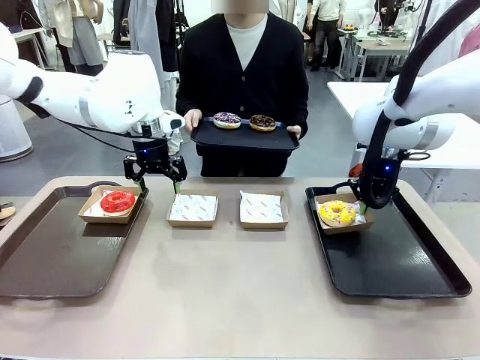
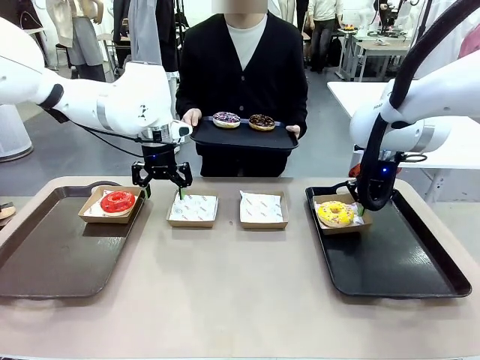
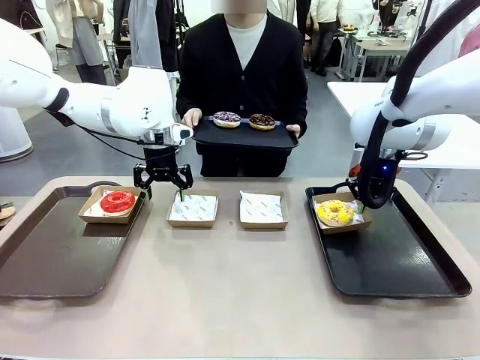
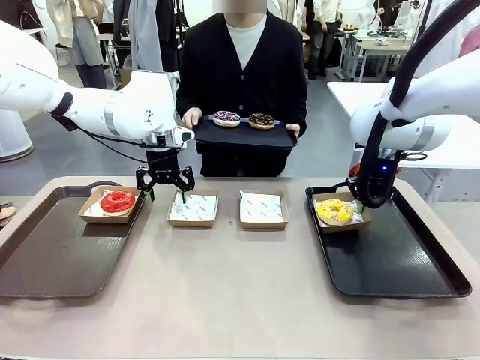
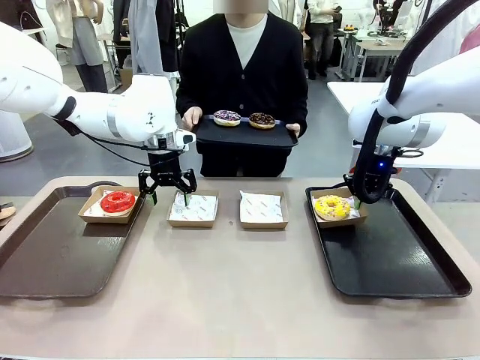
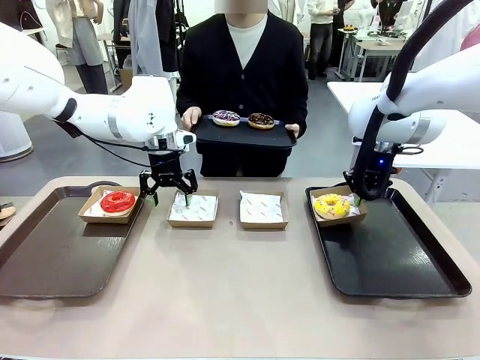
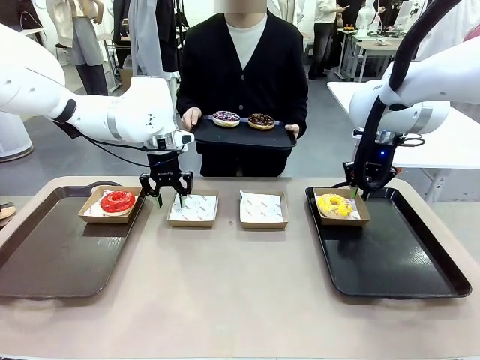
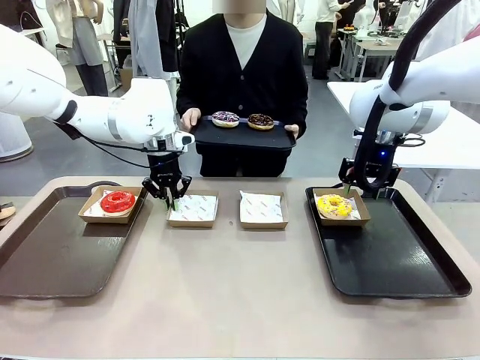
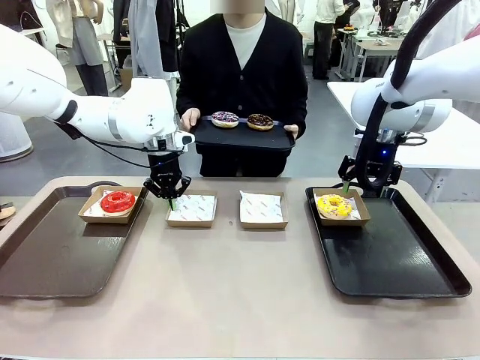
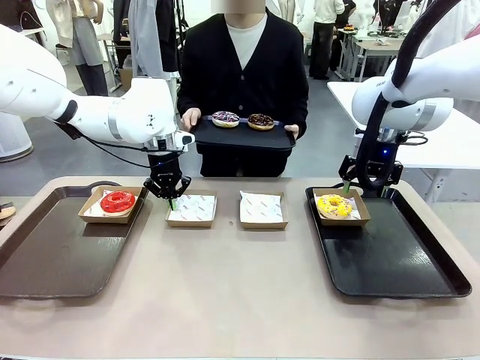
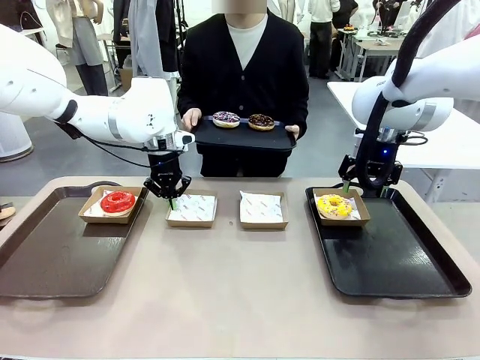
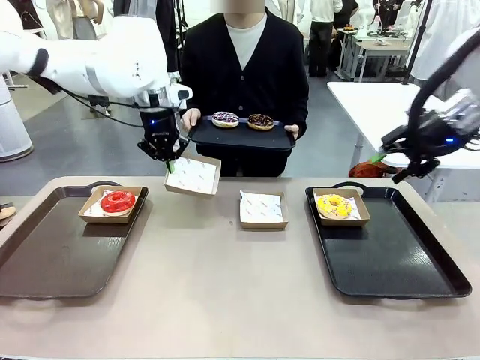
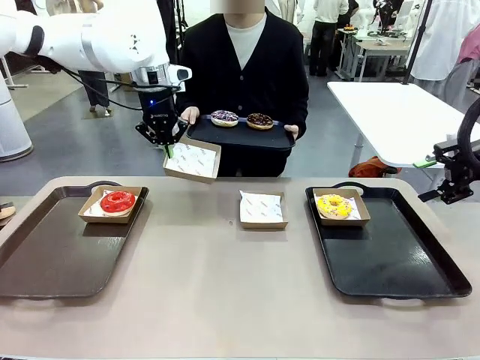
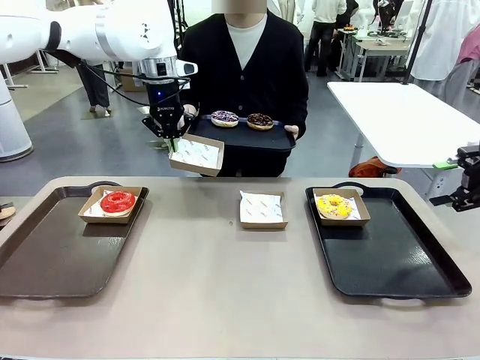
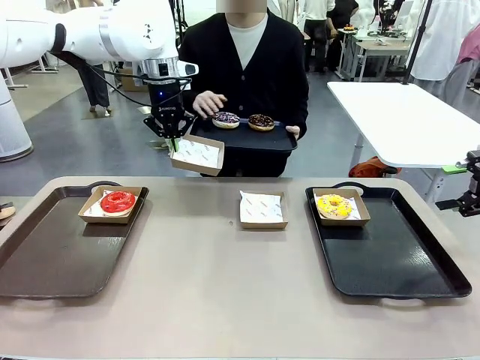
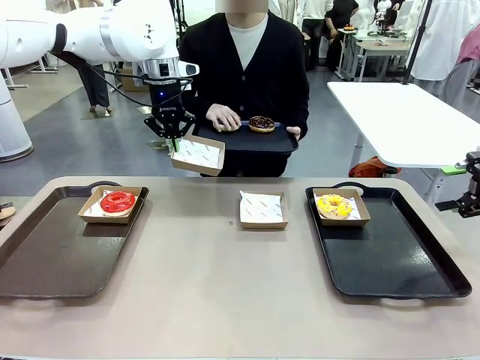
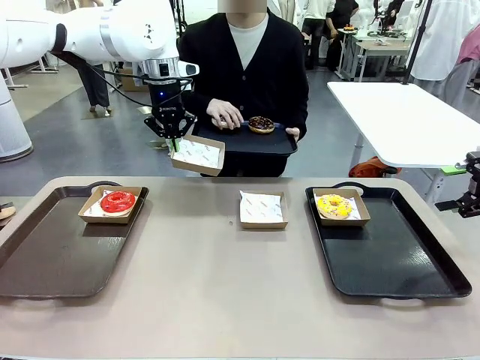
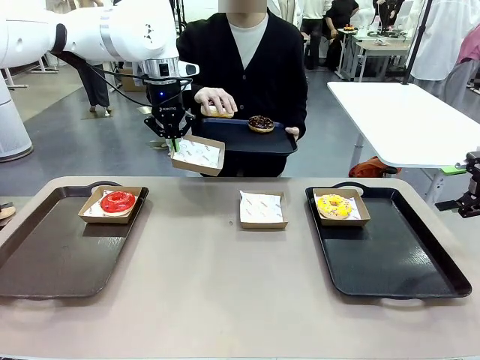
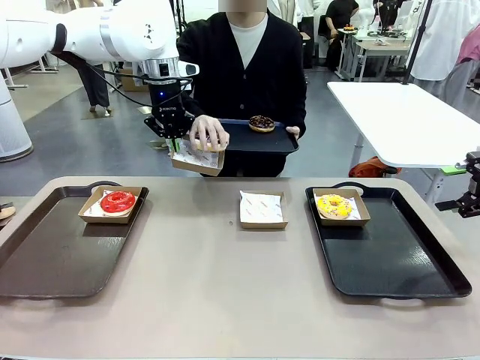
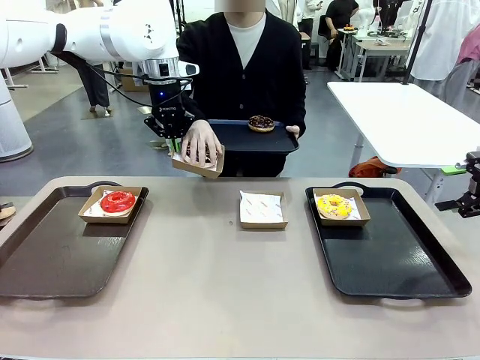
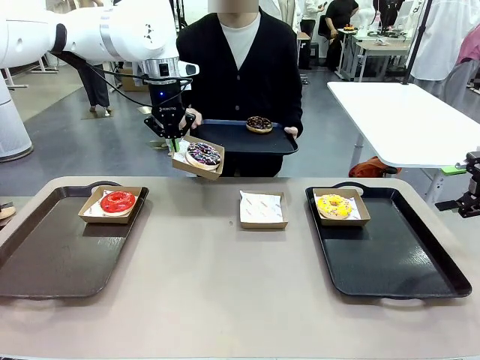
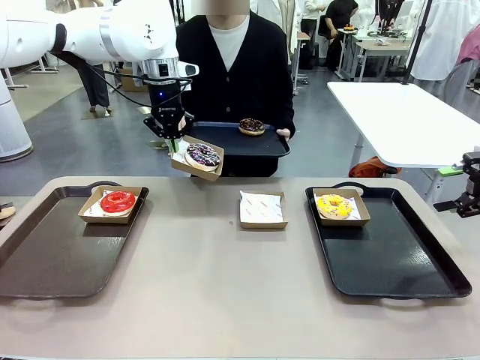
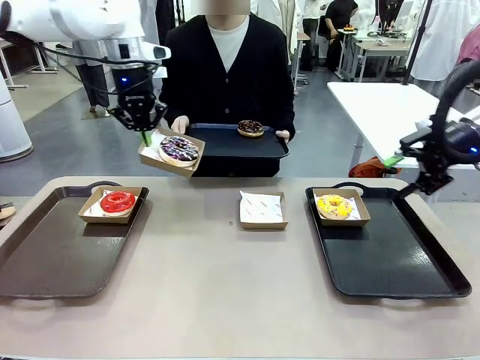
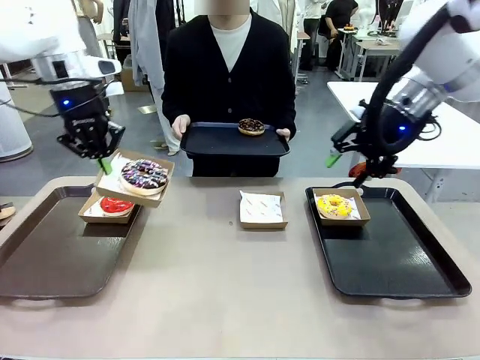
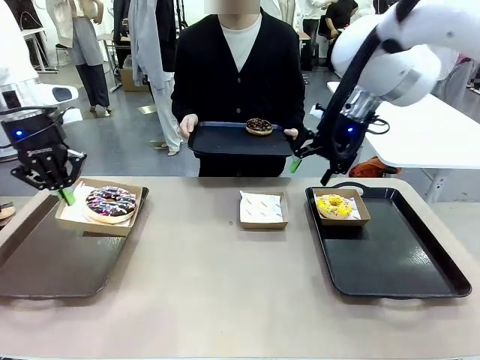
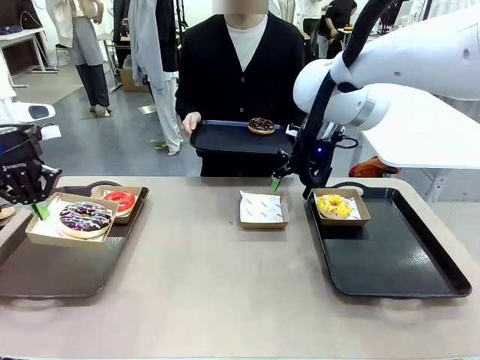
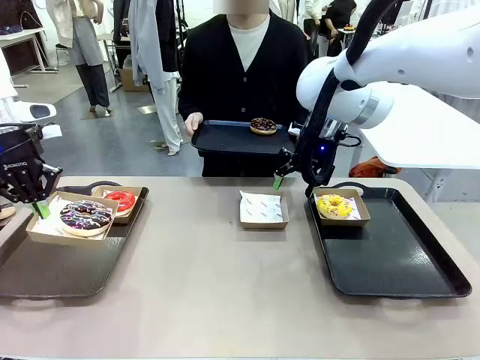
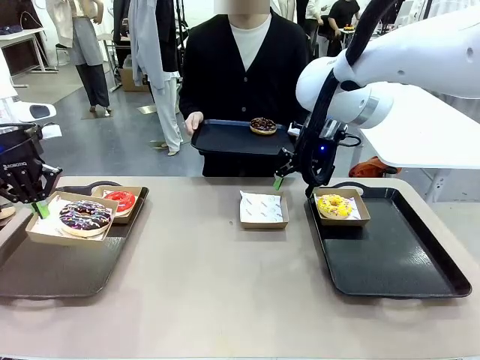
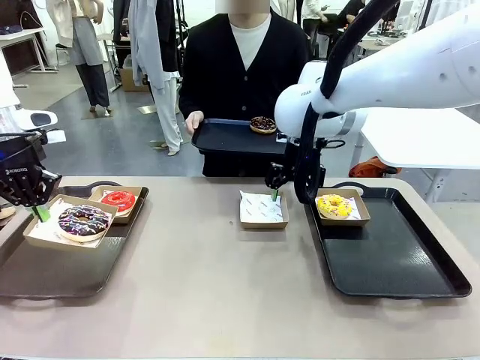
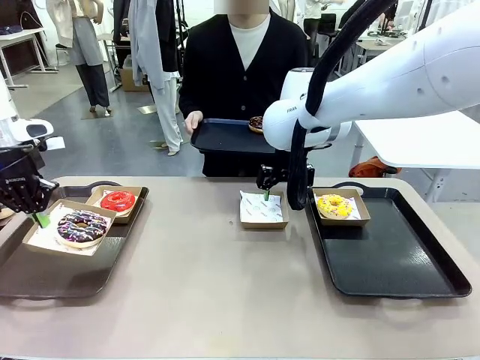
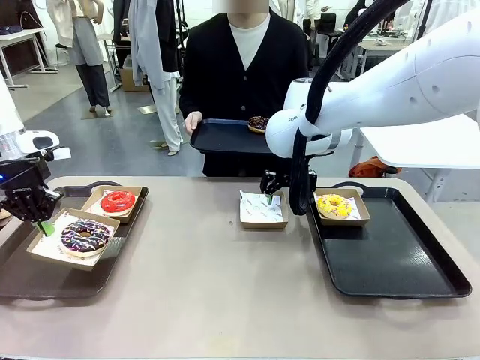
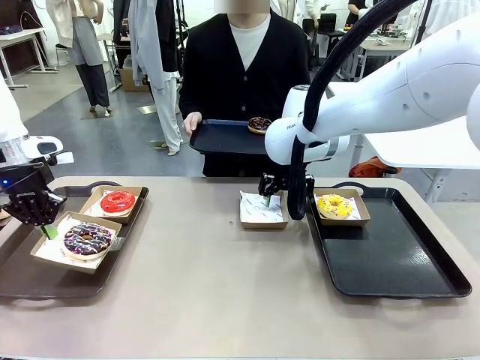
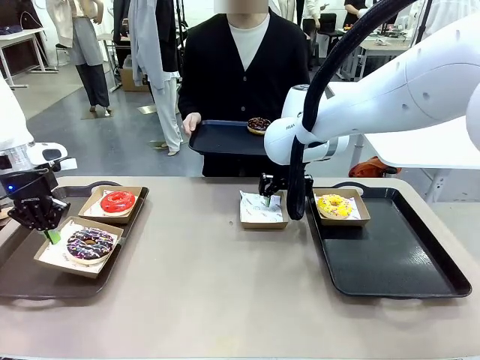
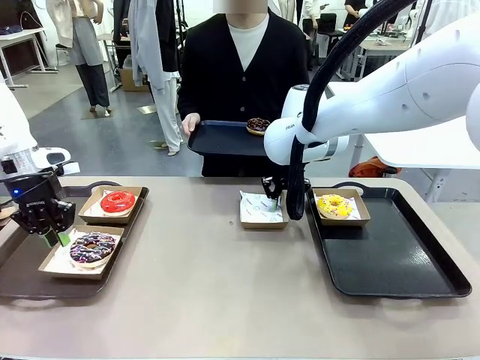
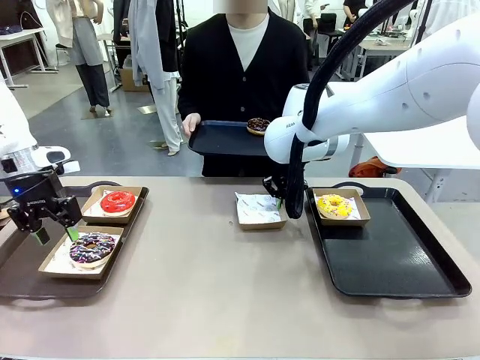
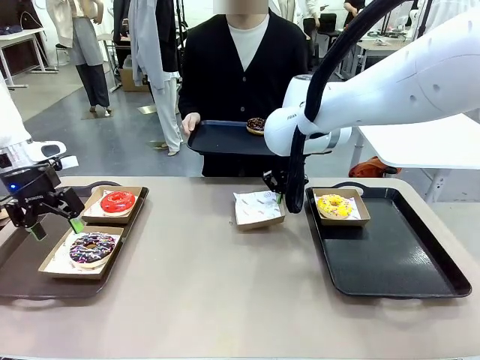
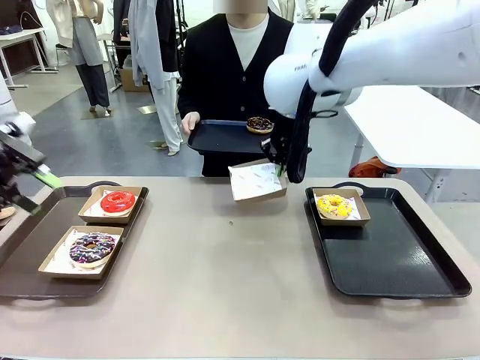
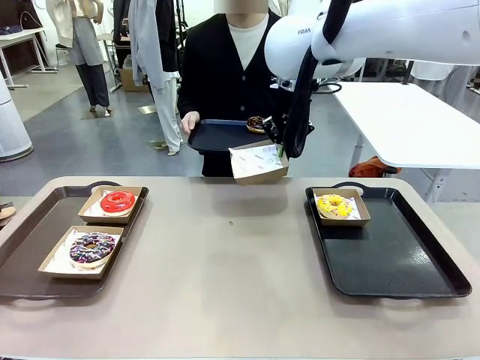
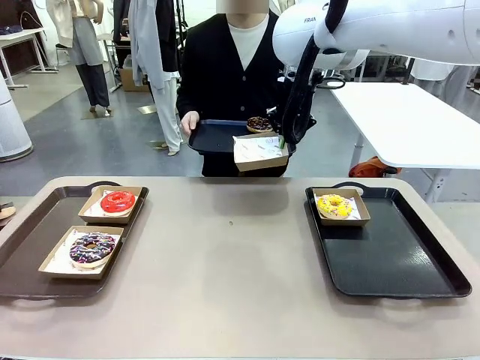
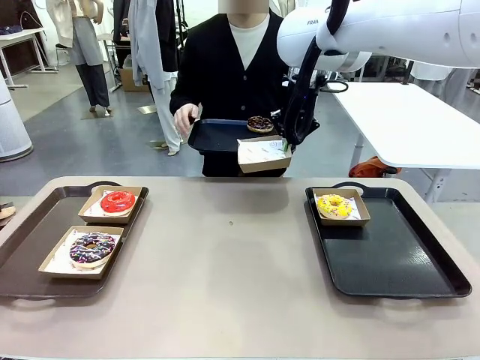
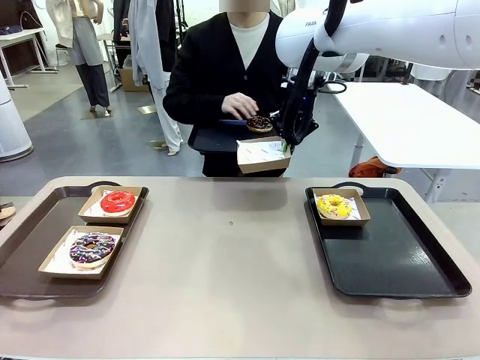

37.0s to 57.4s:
Task: Individually package the donuts and arrange them on the tray.
Robot: Place the picked Paper togo box on the Handle tray while simultaneously picking up another Paper togo box from the table with the other hand.
